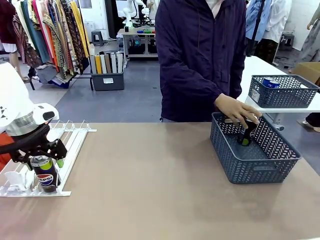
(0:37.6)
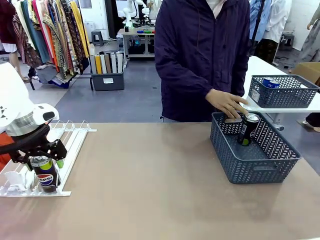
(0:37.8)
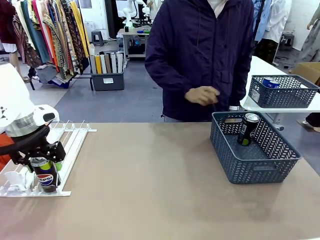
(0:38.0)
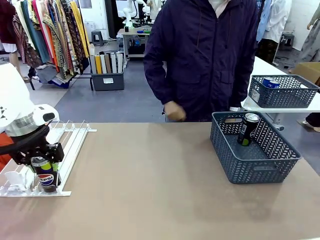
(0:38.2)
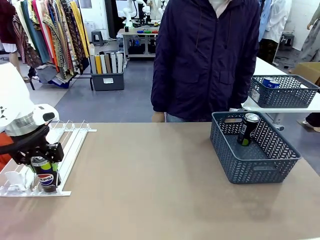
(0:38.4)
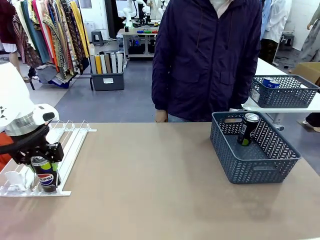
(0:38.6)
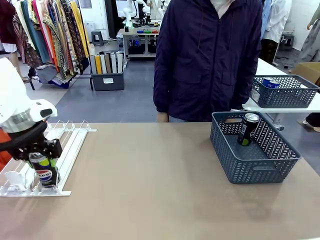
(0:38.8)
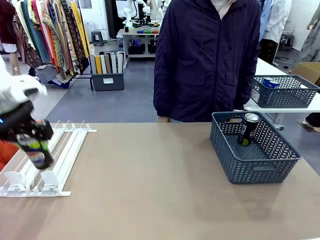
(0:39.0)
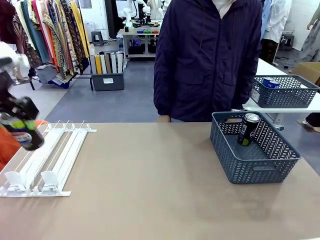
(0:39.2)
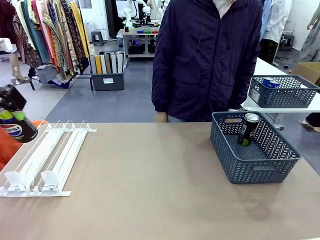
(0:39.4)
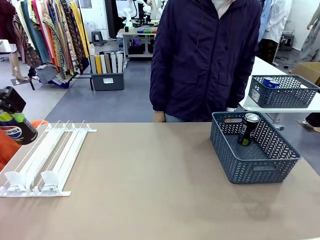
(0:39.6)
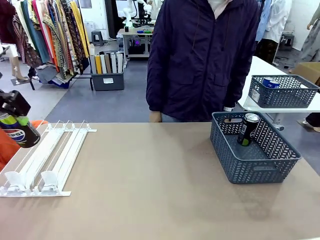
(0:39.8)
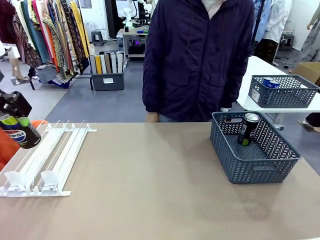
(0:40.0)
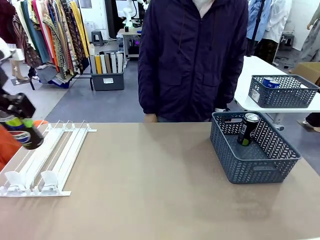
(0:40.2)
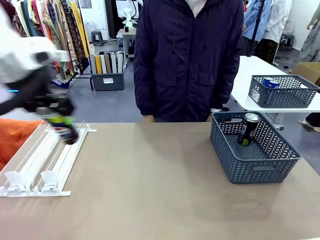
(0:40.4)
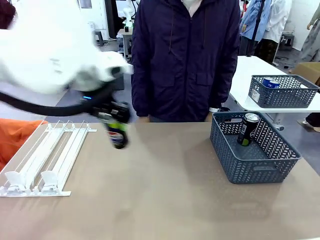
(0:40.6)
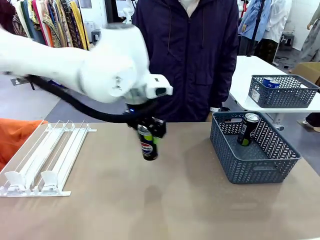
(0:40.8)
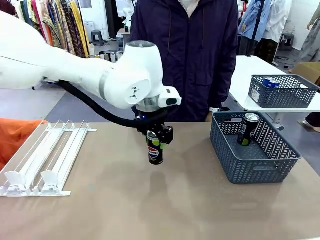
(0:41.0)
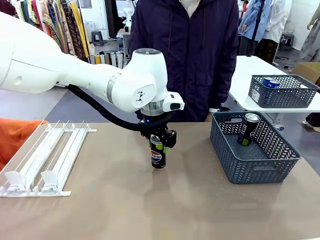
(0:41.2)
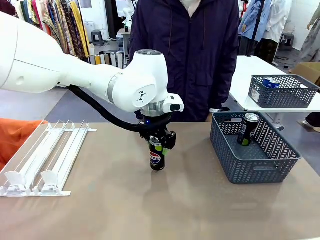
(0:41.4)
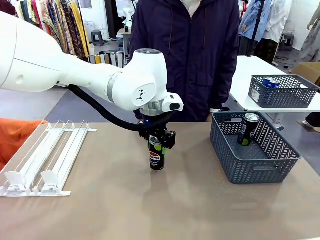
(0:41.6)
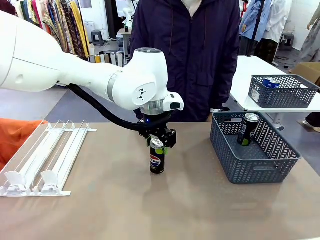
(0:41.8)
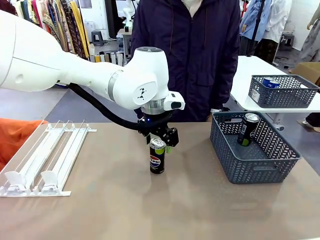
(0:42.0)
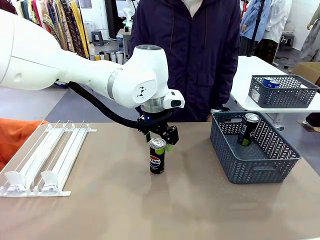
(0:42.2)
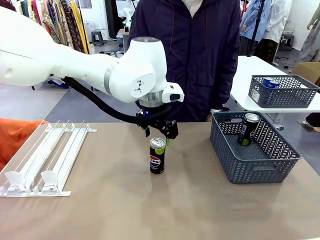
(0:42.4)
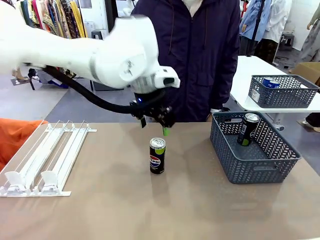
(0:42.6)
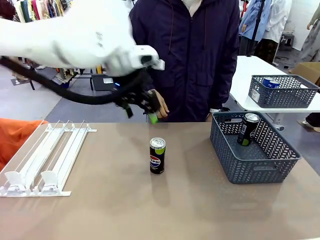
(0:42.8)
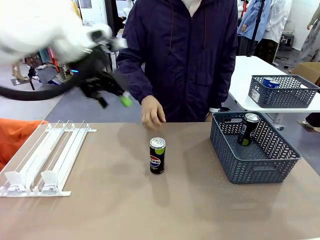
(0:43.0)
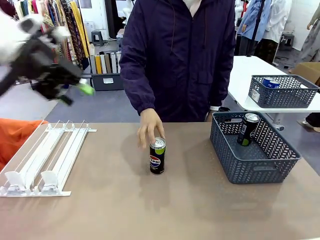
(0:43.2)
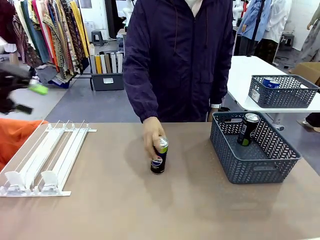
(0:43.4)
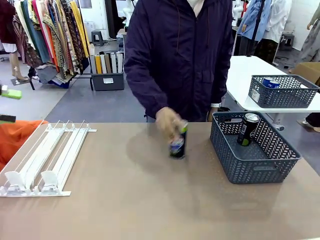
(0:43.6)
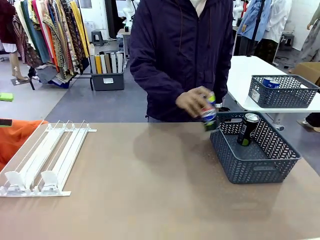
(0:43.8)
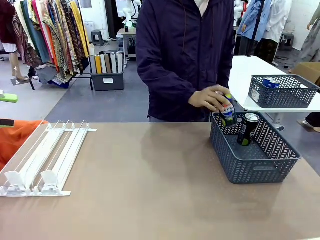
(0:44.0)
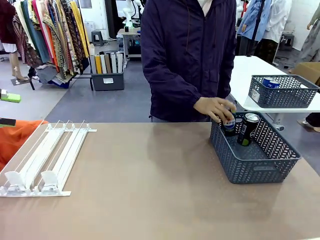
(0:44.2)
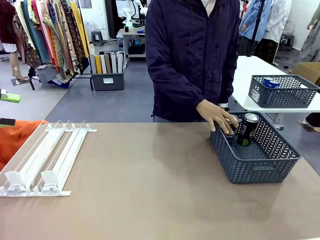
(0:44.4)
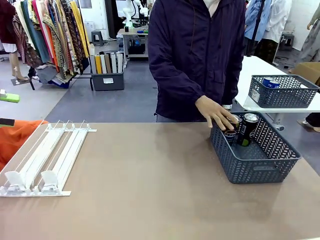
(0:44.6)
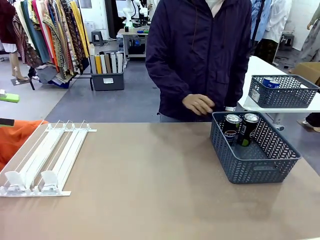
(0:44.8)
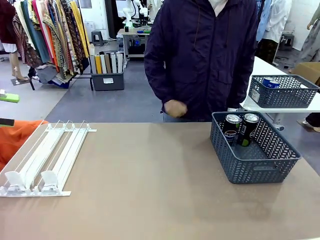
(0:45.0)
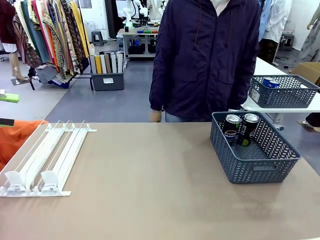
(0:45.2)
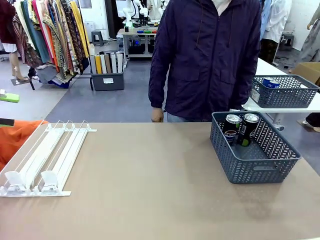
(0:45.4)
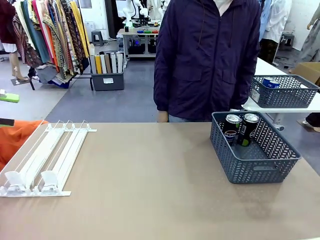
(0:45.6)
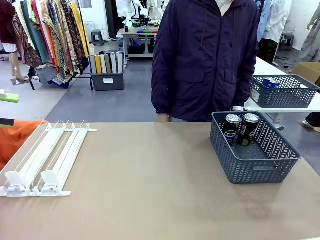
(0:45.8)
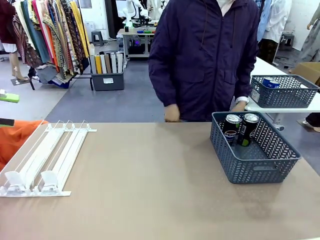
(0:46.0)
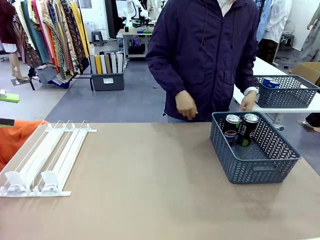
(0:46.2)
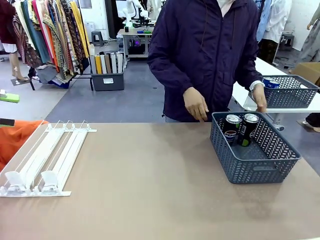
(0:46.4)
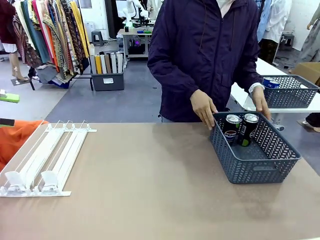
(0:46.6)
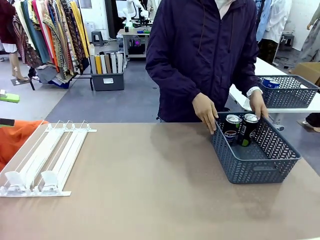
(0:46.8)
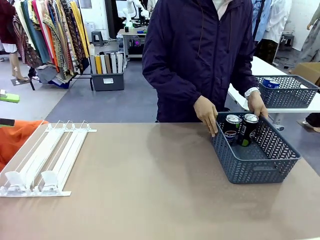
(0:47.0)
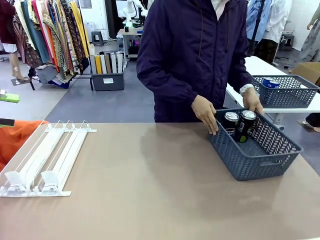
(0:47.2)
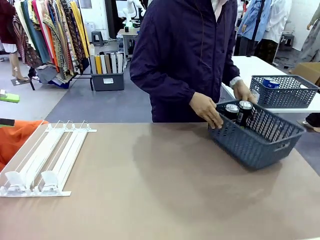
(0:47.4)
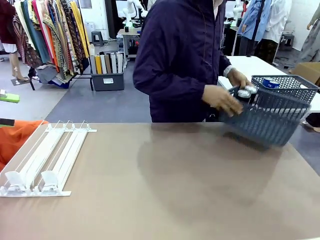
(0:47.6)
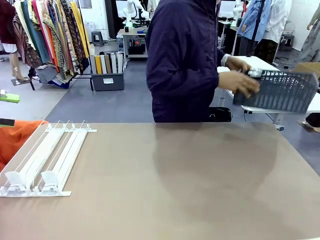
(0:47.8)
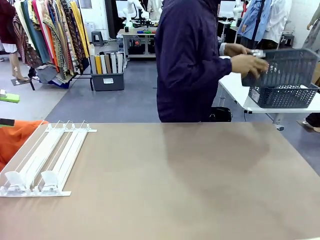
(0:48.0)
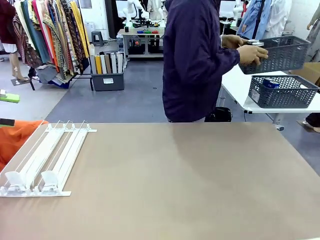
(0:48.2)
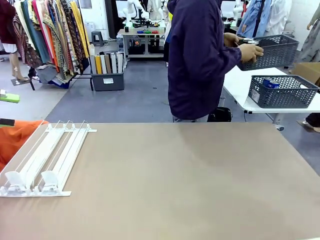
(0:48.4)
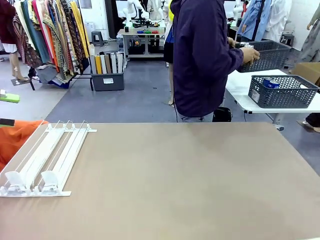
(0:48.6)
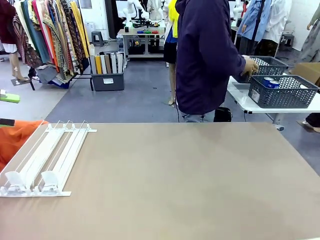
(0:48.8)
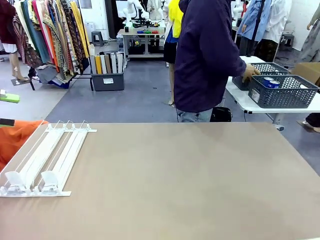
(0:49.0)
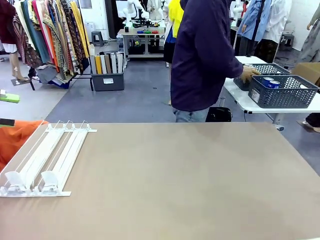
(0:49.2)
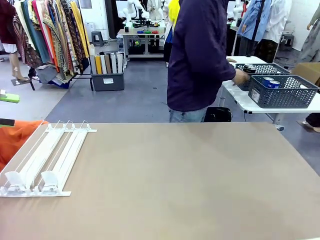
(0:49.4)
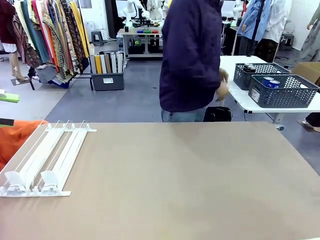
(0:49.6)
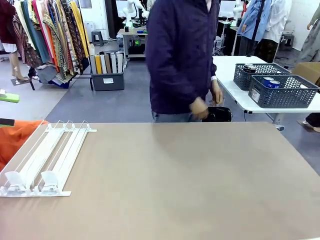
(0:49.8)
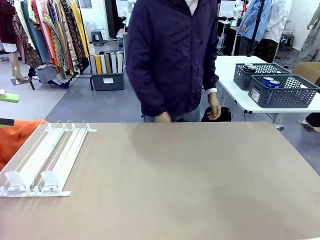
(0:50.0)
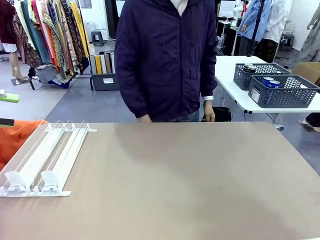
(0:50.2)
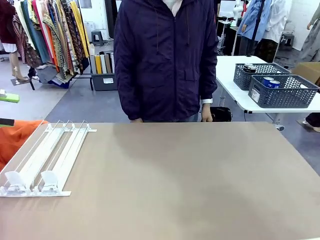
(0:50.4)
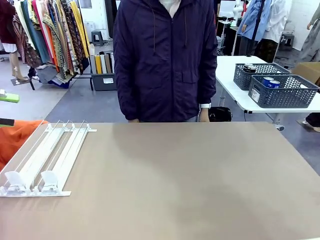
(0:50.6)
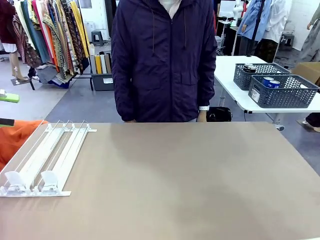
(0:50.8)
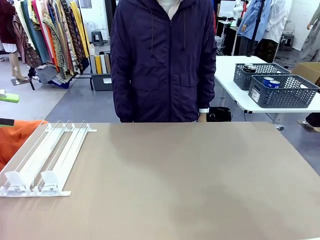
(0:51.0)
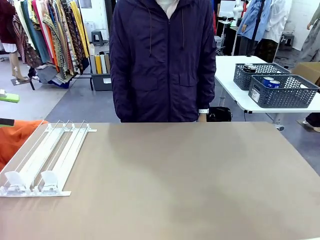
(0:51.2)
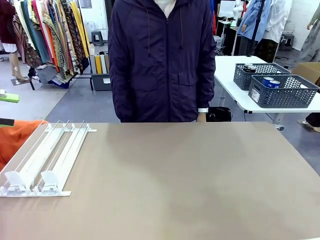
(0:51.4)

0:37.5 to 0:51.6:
Task: Retrieve and store the cans from the dispenser.
Robot: Pick up one can from the Automatic Can Dispenser and place it in the middle of the table.
Person: Pick up one sports drink can from the middle of the robot table and place it in the basket. Pick up the basket and place it in the middle of the human table.

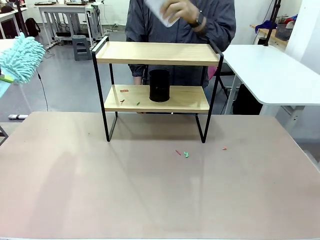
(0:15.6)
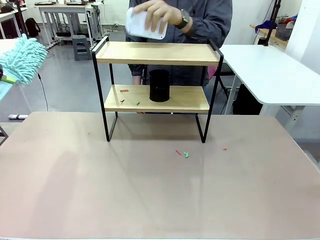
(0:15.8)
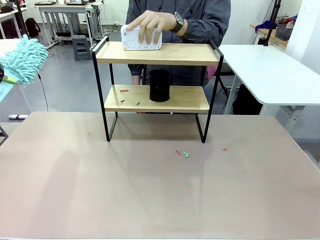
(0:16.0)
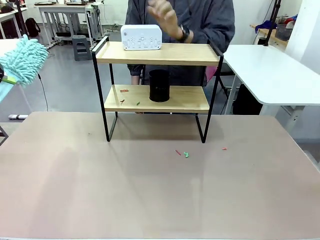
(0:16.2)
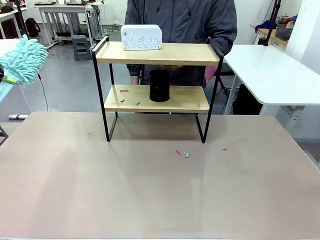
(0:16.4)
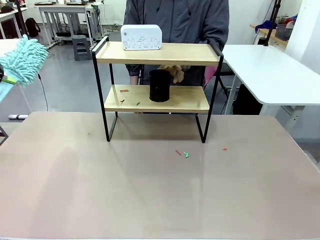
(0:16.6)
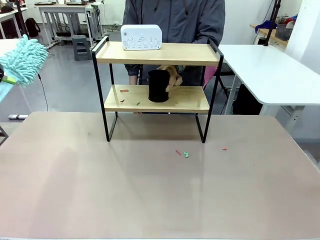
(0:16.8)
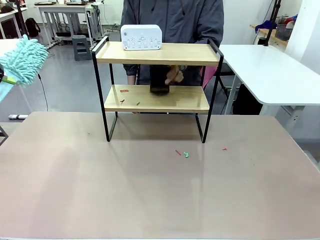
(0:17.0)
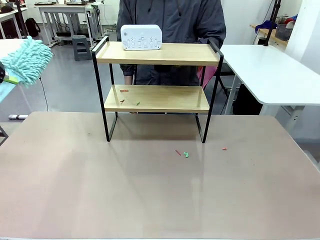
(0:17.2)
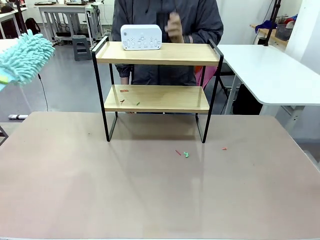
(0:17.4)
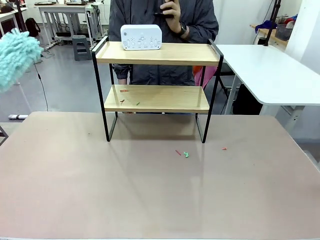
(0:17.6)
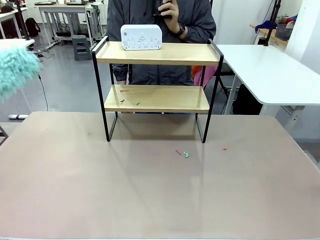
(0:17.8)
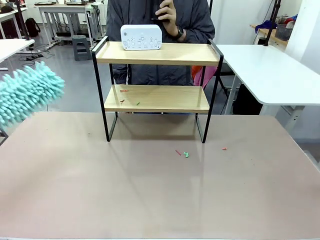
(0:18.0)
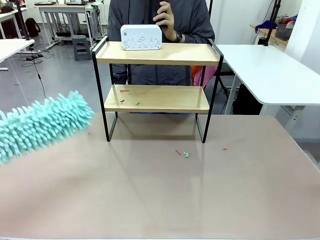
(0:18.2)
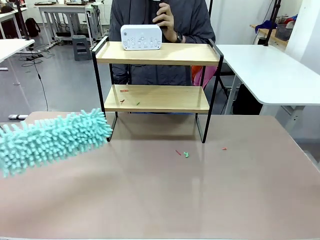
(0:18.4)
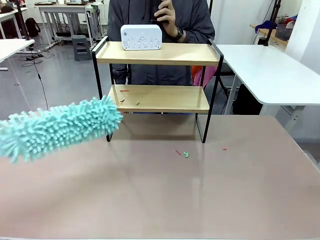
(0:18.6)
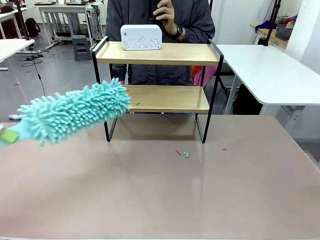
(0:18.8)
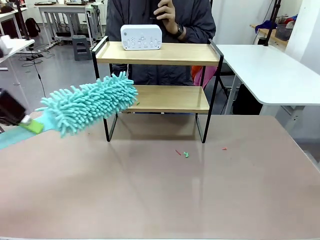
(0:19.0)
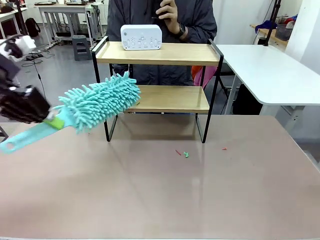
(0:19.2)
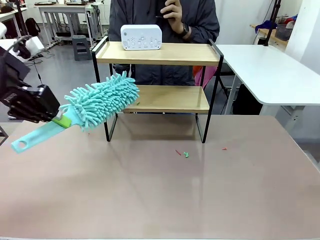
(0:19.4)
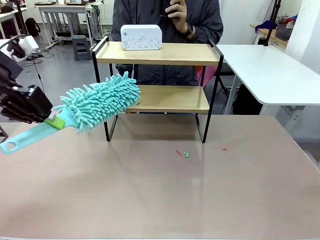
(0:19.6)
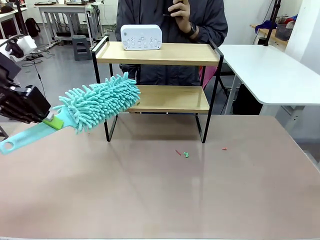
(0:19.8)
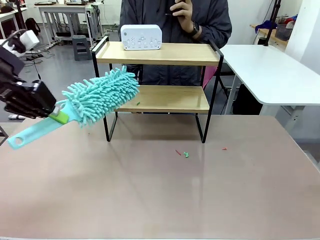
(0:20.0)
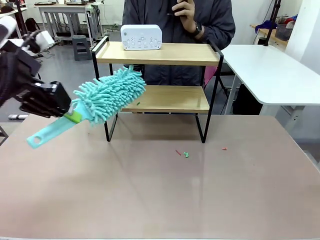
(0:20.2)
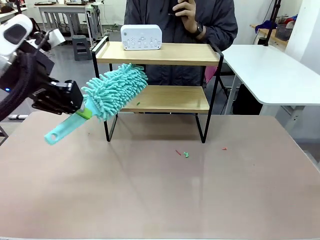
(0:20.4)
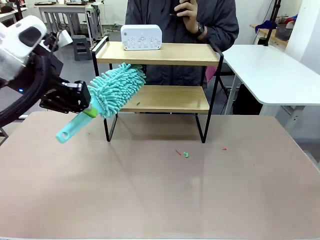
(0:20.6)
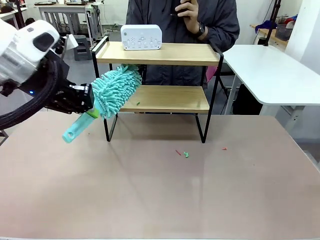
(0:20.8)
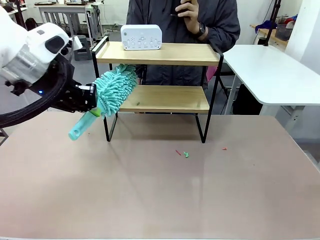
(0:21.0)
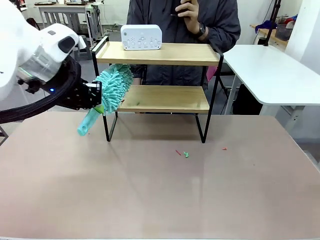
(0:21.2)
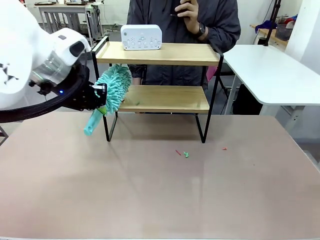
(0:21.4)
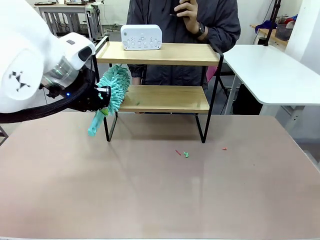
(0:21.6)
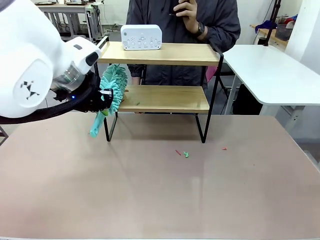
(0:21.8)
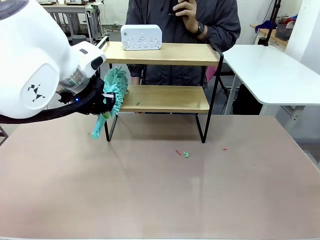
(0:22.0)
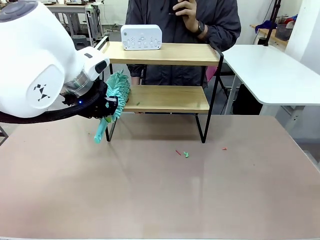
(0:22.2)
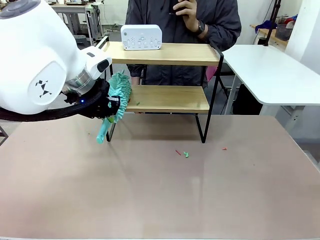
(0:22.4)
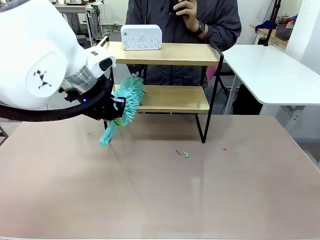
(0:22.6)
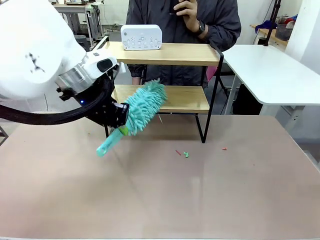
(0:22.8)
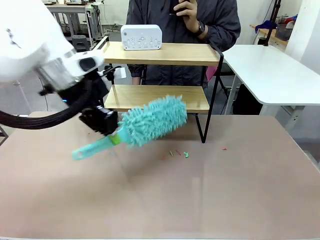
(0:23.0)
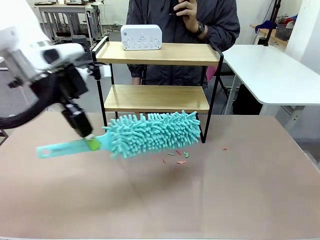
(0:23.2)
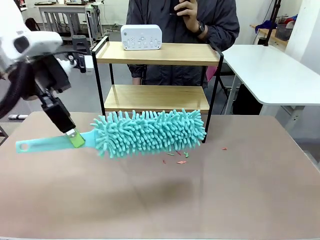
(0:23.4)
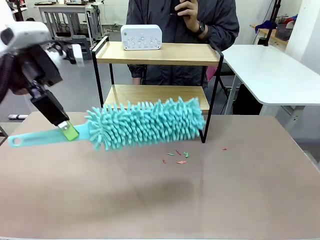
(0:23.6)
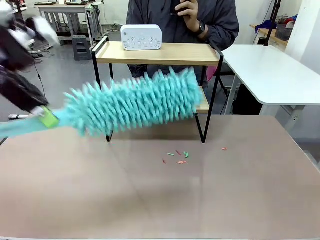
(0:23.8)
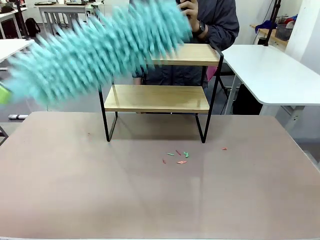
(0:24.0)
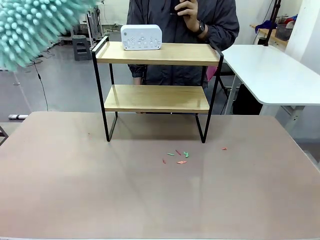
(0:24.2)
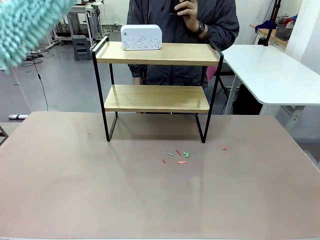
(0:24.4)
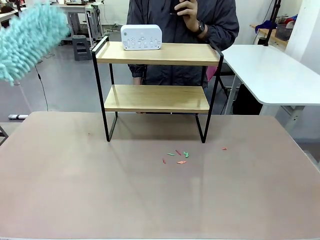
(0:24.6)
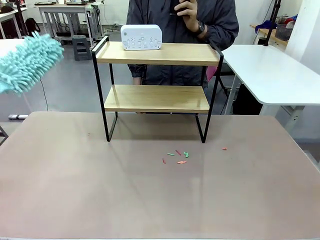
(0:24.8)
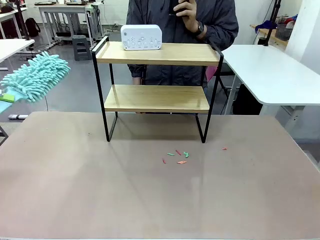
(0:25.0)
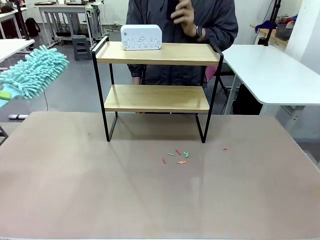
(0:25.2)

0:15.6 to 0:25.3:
Task: Clean the shelf.
Robot: Clean the remaining tier of the Shelf with the Duster once objects are removed.
